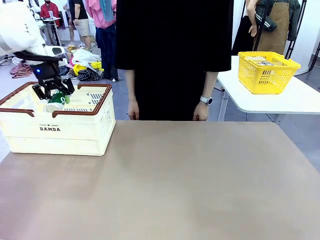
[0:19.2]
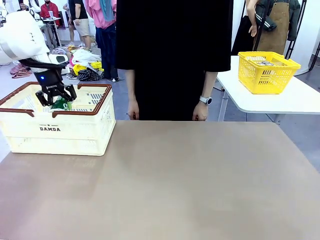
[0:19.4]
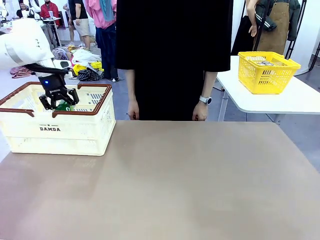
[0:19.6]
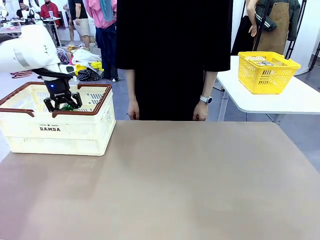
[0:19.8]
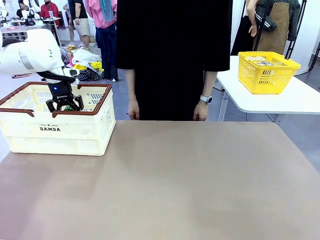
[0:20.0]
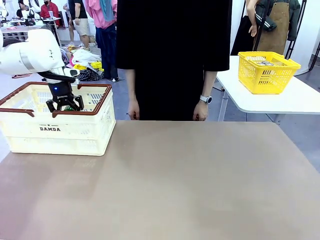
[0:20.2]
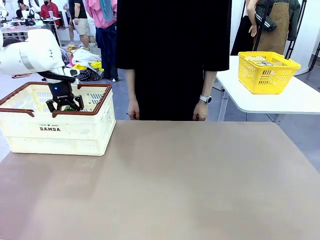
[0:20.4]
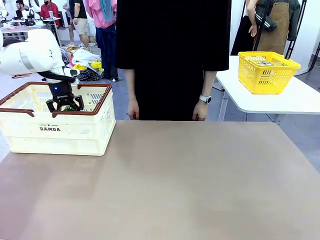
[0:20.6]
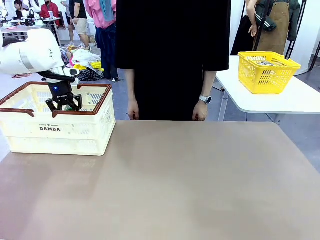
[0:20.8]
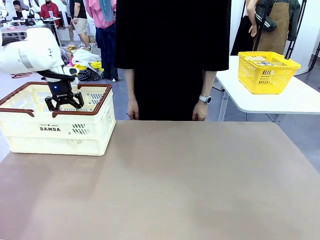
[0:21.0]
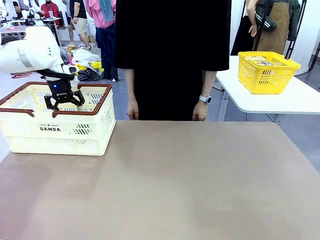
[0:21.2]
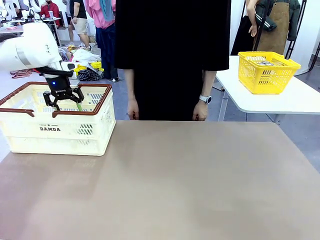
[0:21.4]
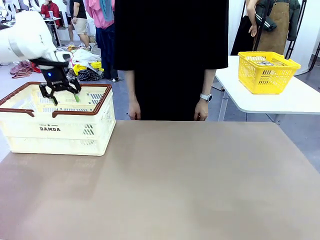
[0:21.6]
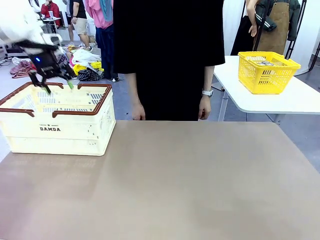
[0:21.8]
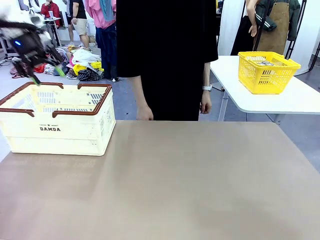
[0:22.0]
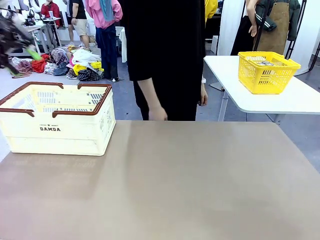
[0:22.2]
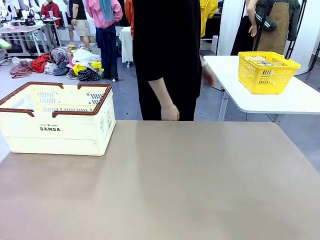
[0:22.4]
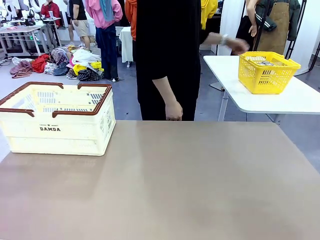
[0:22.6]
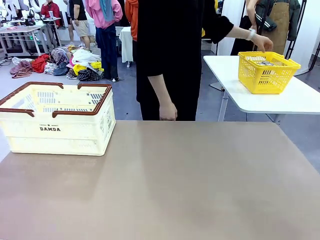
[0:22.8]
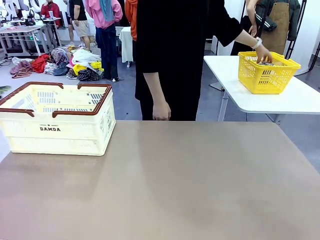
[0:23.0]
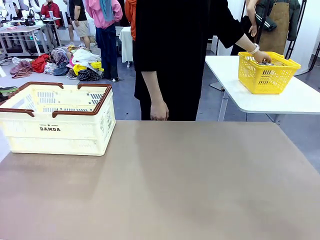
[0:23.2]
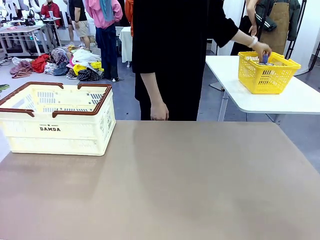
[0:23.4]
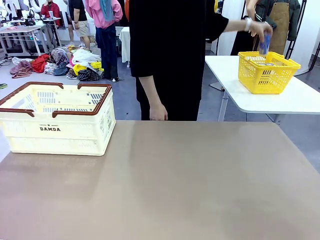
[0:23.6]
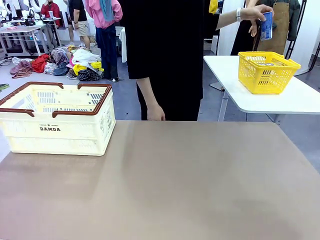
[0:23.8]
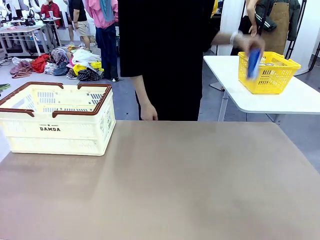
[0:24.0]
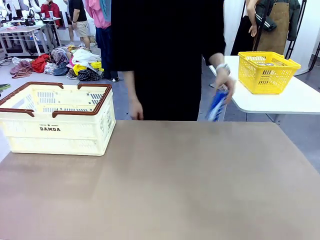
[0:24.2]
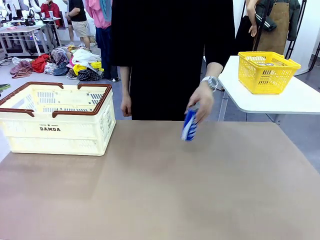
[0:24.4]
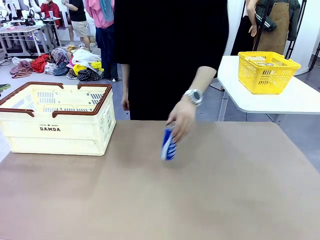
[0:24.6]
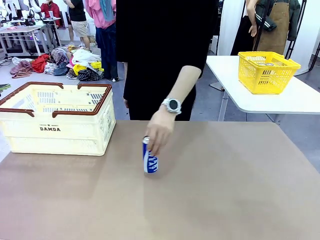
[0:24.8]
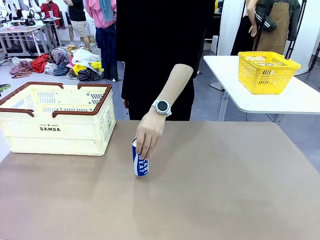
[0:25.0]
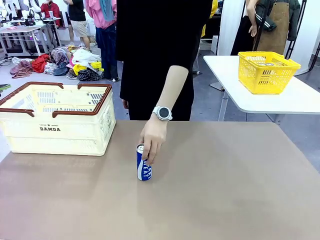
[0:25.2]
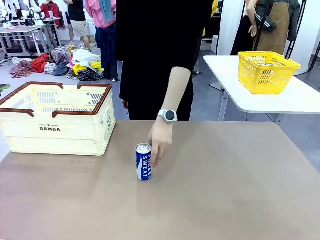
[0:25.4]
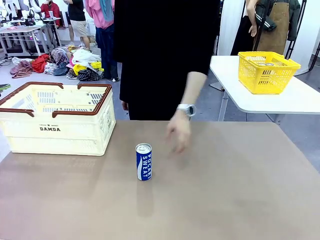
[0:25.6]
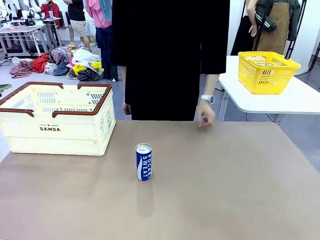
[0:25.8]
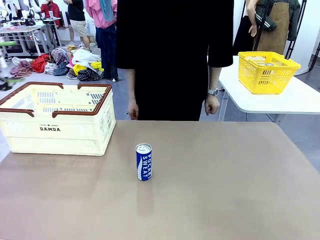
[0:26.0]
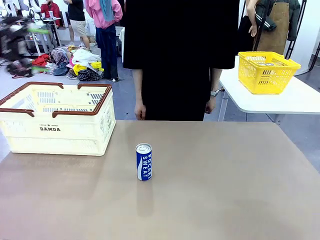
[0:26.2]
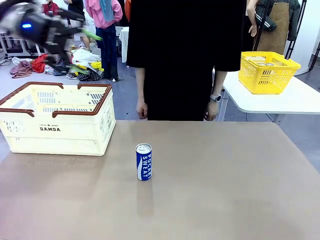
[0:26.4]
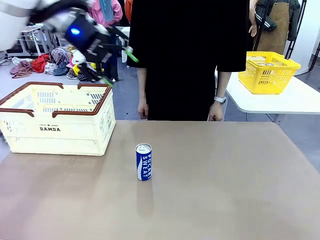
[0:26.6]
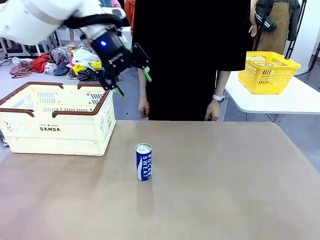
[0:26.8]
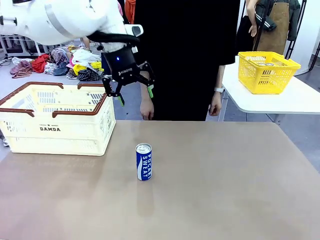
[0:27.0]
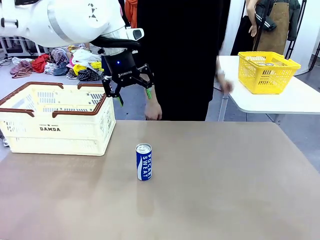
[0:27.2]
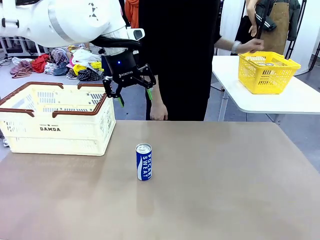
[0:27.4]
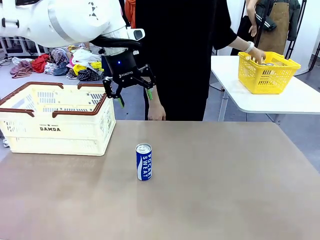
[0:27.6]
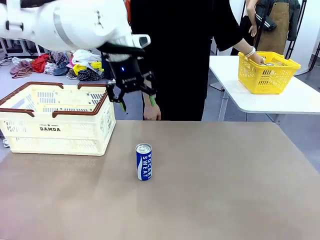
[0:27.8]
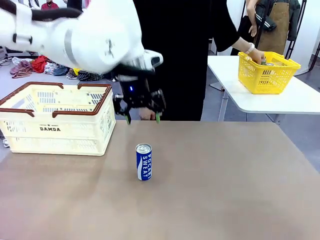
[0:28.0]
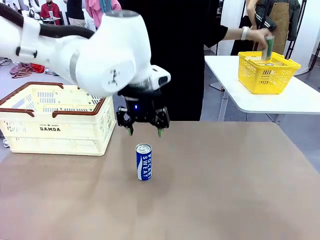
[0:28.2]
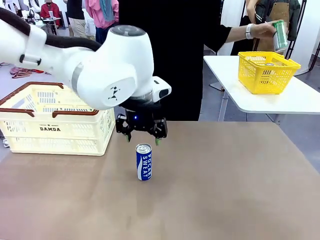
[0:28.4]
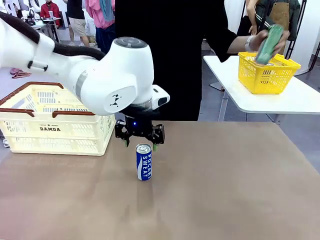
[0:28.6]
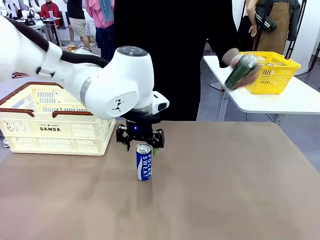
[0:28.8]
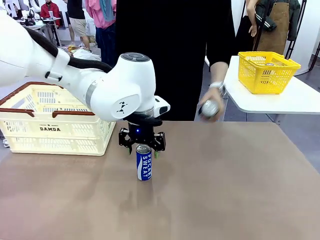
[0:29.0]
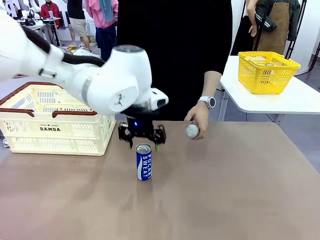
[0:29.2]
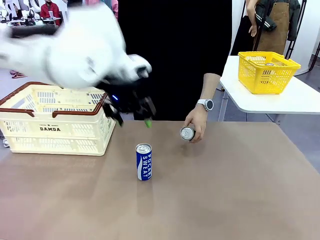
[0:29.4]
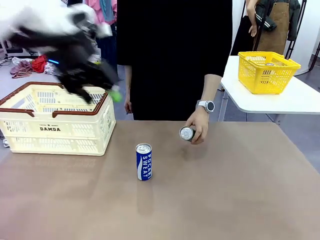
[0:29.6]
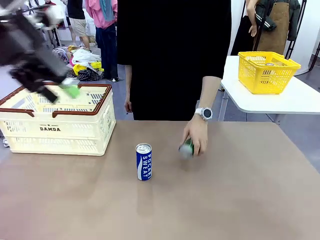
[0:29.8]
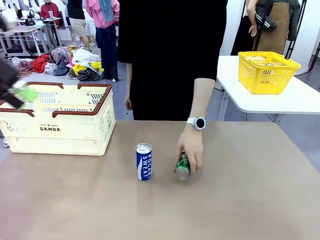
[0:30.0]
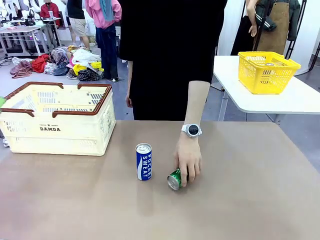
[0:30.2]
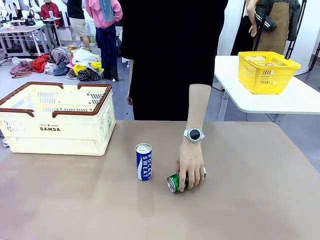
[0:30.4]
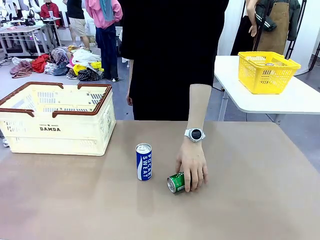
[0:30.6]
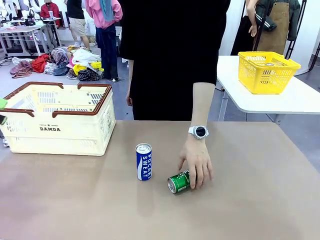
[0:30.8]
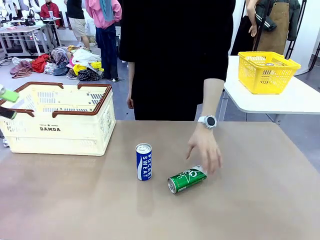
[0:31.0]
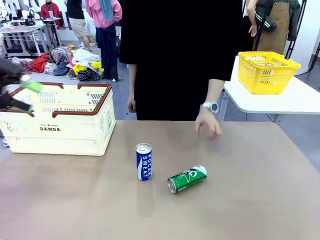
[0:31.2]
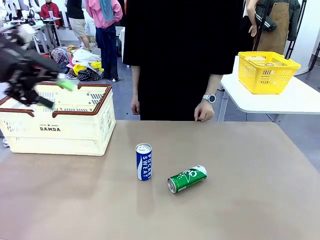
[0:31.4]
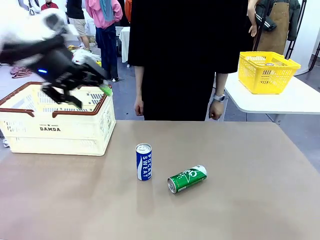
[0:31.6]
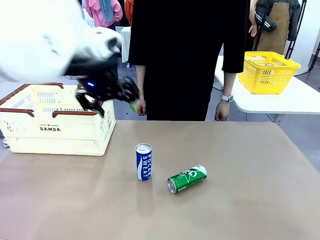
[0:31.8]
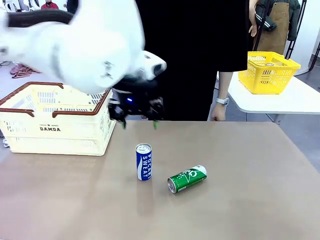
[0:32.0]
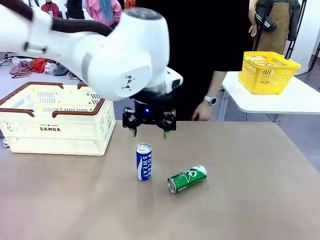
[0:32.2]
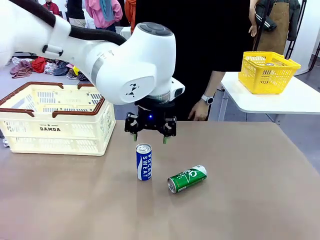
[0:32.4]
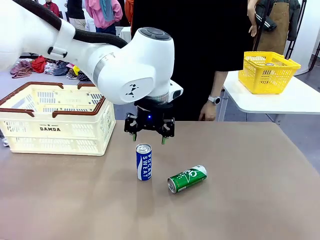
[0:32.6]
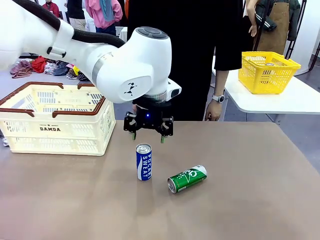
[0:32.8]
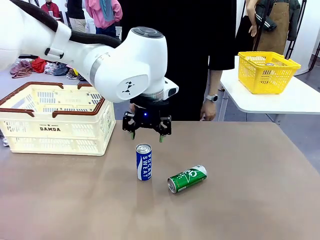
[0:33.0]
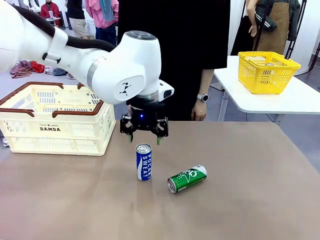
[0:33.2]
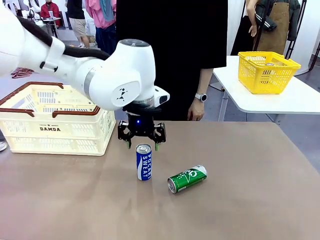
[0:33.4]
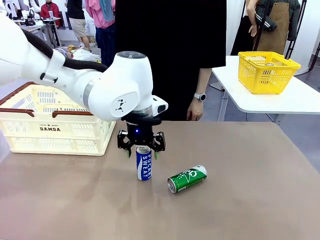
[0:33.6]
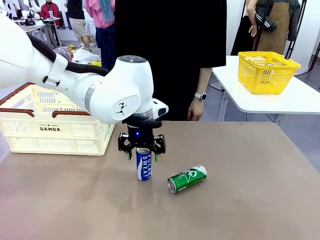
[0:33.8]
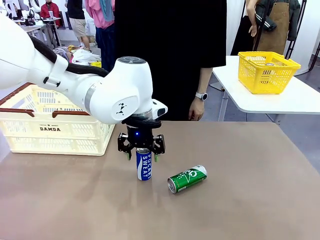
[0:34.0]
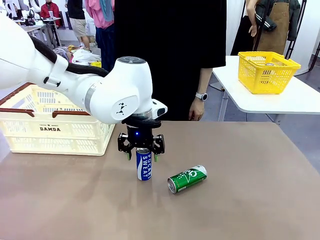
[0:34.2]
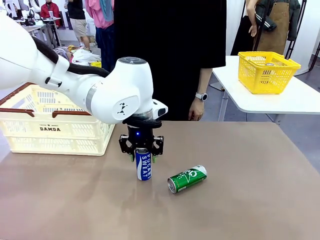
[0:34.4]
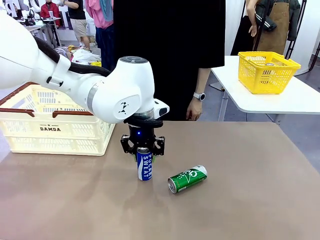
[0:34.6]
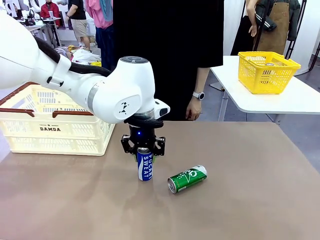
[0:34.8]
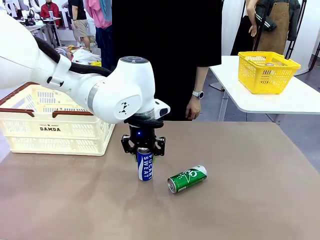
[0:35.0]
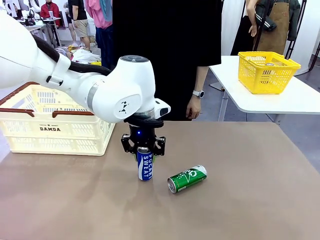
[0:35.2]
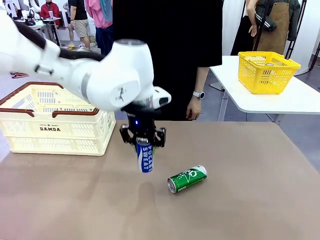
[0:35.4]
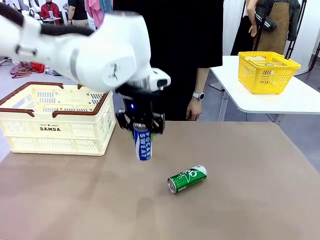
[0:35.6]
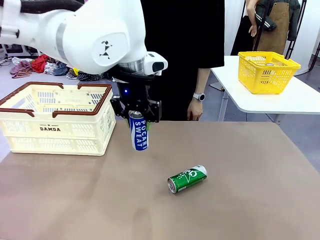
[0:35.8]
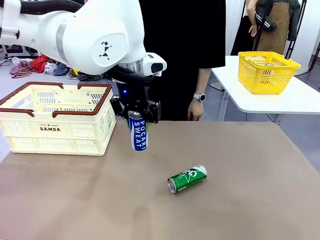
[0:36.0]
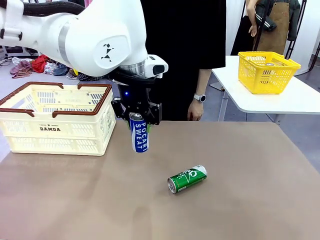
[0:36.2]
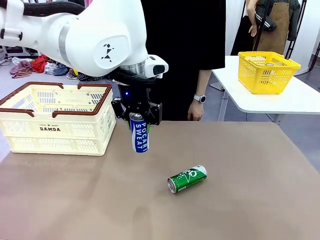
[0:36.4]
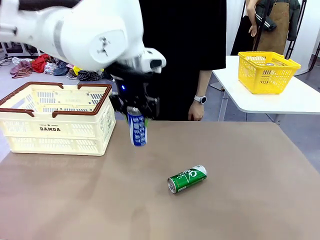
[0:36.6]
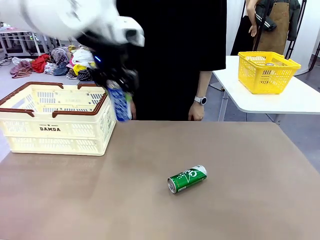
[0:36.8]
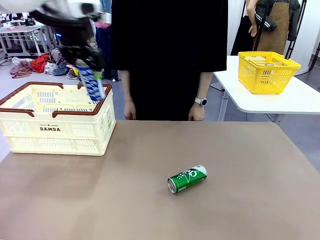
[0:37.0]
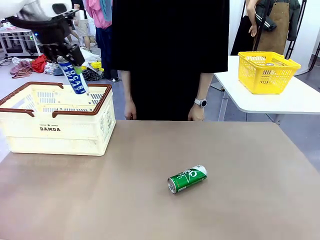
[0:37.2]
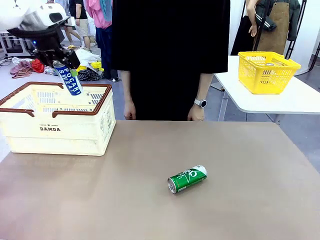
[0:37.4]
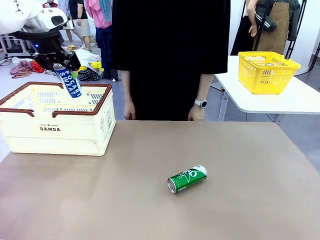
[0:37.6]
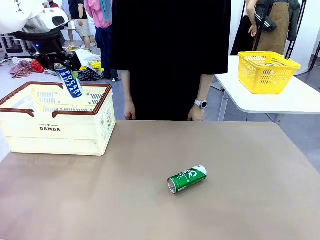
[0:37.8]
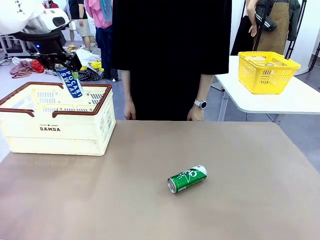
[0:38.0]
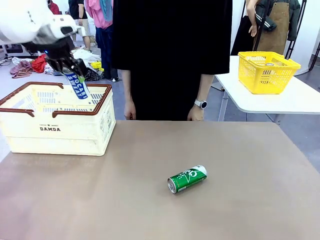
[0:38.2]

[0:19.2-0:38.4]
Task: Place the drinks into the Shopping basket.
Robot: Pick up one drink and place it into the Shopping basket.
